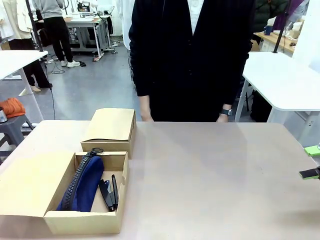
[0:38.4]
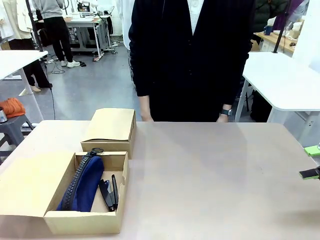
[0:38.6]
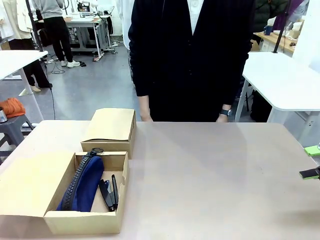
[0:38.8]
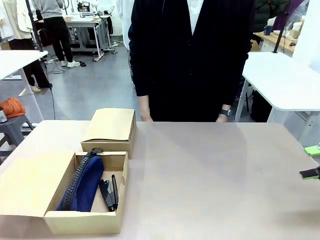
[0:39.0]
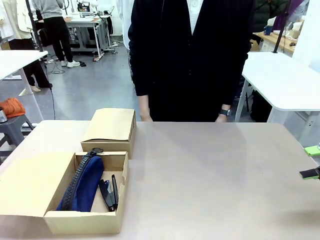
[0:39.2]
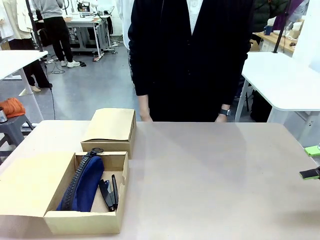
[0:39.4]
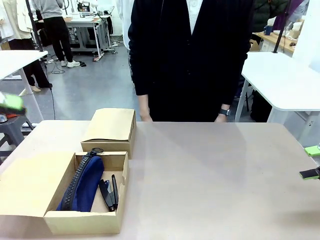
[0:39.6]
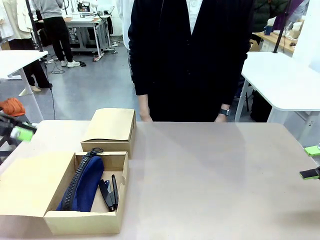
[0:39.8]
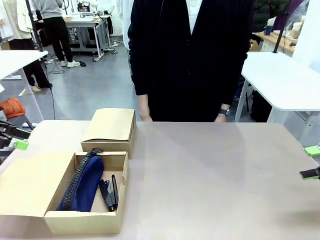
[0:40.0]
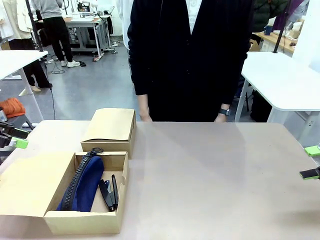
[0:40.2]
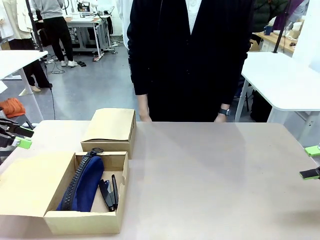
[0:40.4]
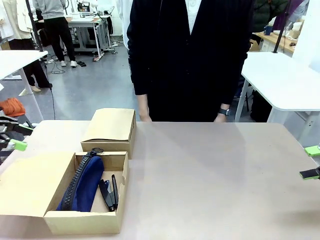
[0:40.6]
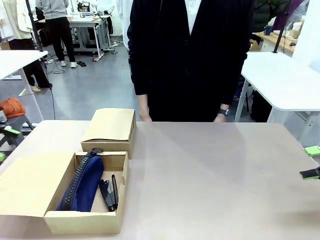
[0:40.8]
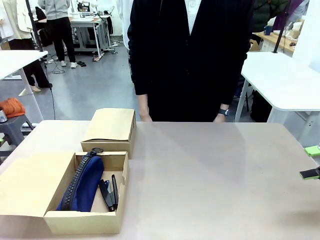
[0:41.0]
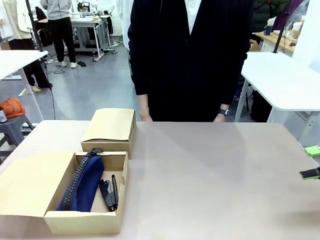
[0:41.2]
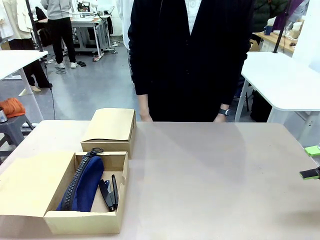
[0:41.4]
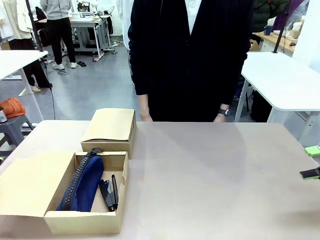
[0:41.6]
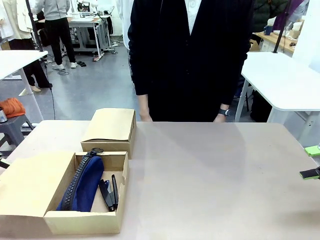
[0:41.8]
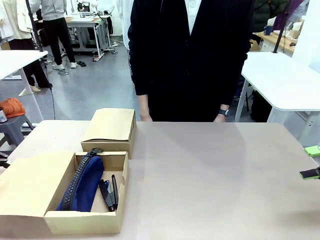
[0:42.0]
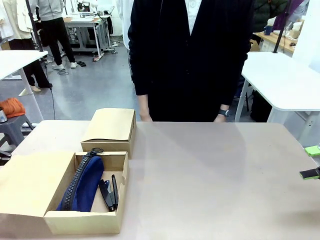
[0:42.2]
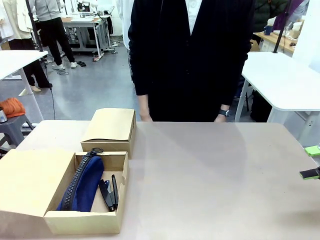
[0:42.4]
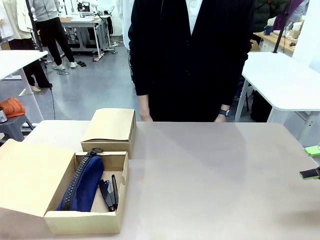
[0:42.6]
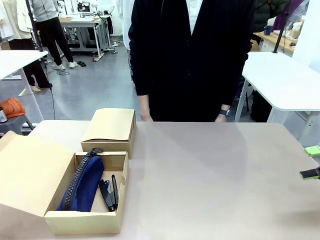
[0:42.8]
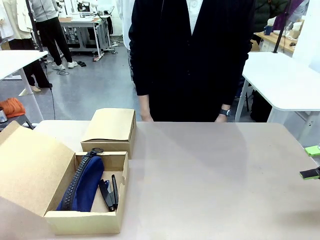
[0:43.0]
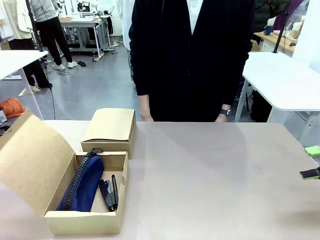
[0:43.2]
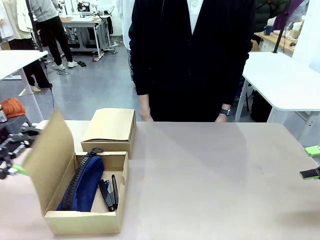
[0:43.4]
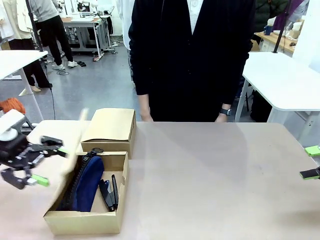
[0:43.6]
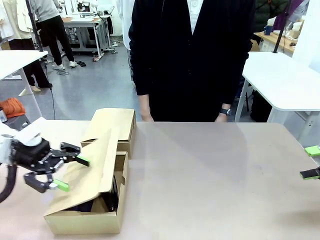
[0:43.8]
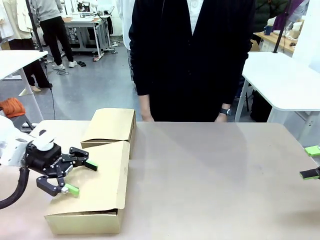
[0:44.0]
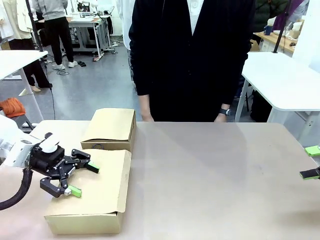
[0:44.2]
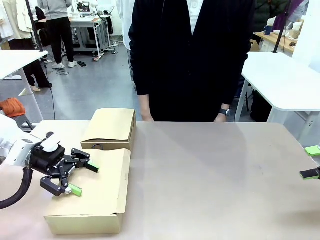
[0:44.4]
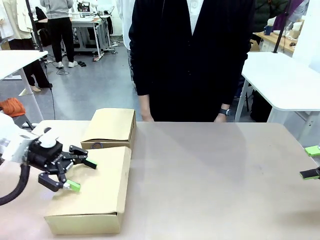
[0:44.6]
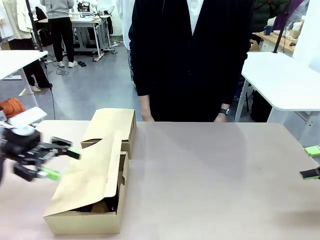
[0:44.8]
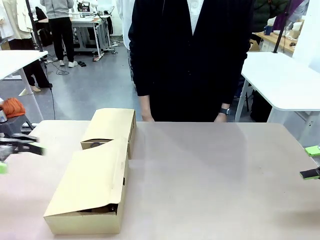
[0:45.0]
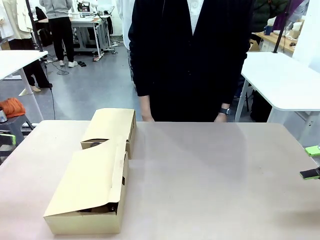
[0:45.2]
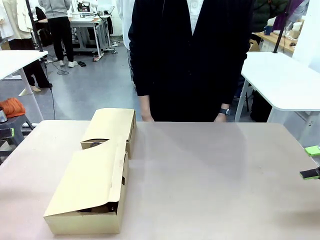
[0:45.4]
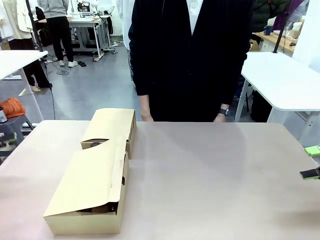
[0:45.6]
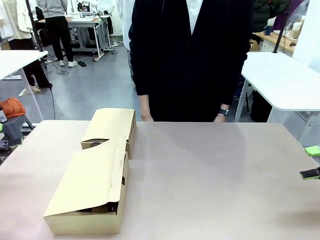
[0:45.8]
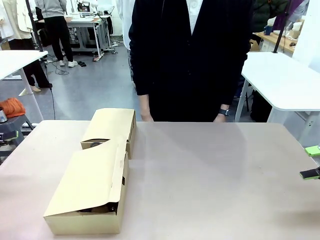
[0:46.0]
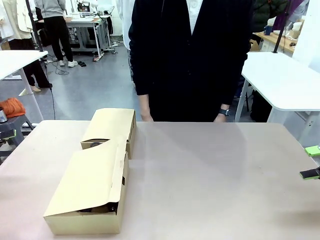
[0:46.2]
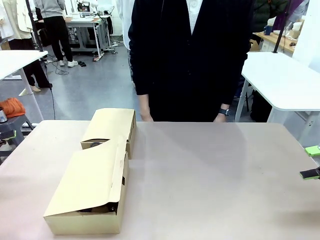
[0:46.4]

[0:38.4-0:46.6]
Task: Place items inside the box.
Robot: Close the lid of the Mailer Box closest to the robot.

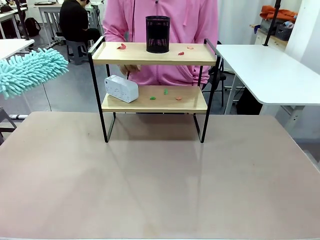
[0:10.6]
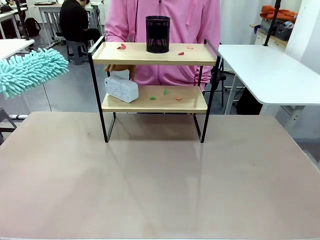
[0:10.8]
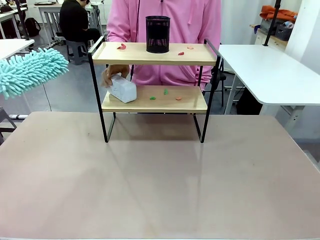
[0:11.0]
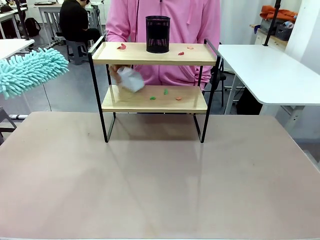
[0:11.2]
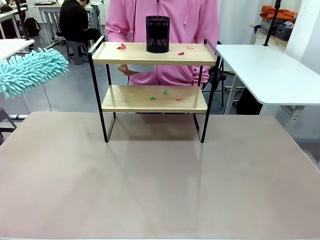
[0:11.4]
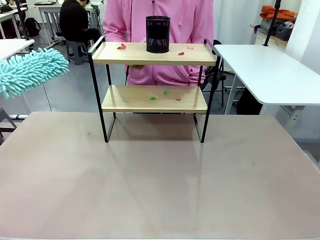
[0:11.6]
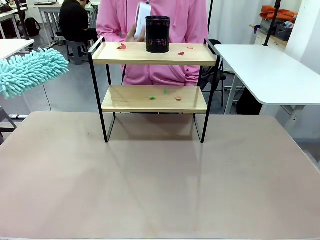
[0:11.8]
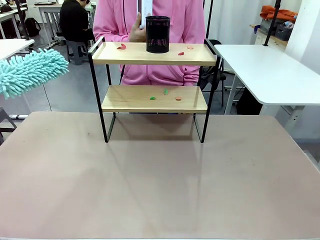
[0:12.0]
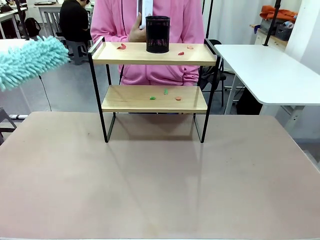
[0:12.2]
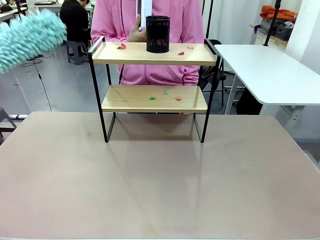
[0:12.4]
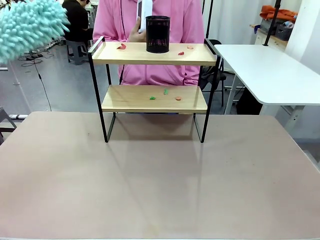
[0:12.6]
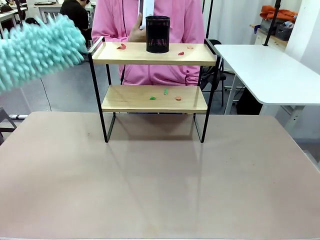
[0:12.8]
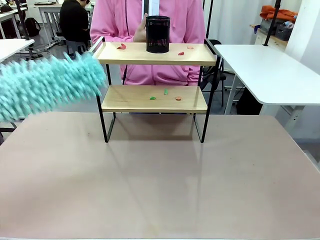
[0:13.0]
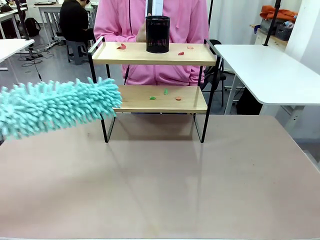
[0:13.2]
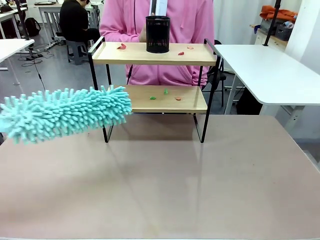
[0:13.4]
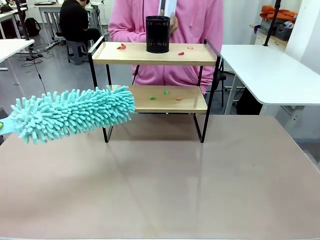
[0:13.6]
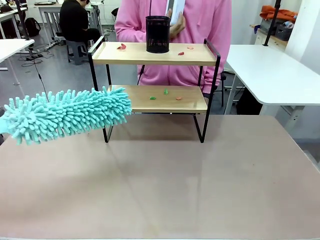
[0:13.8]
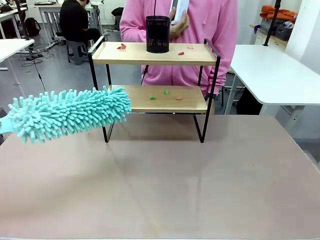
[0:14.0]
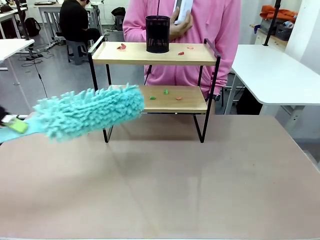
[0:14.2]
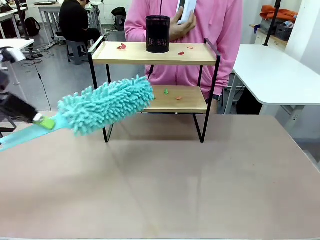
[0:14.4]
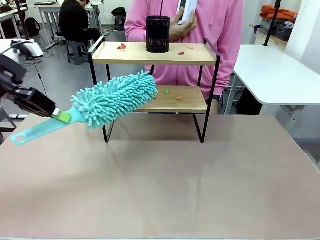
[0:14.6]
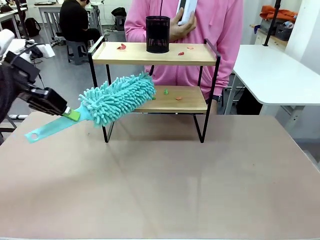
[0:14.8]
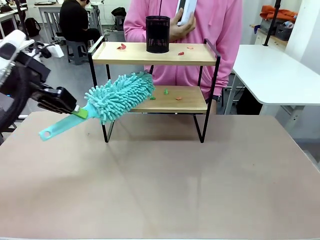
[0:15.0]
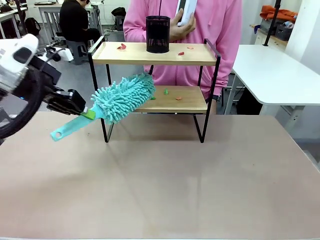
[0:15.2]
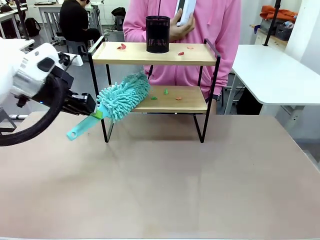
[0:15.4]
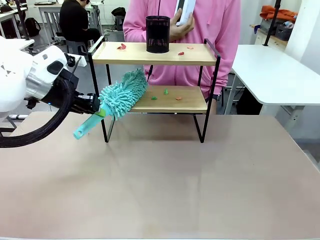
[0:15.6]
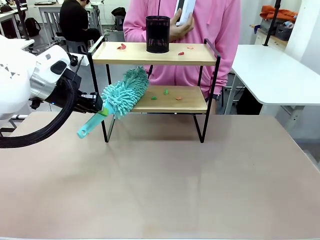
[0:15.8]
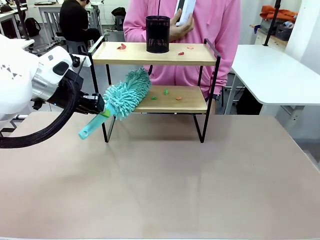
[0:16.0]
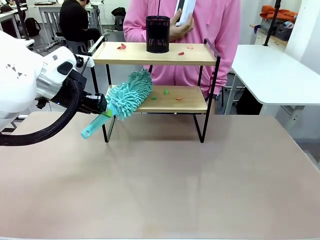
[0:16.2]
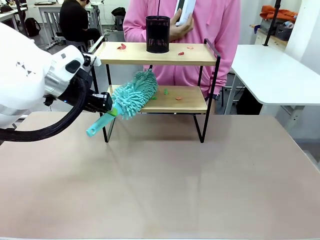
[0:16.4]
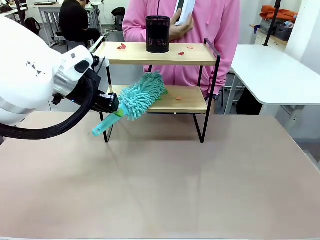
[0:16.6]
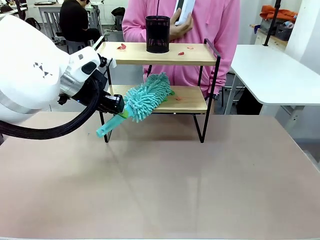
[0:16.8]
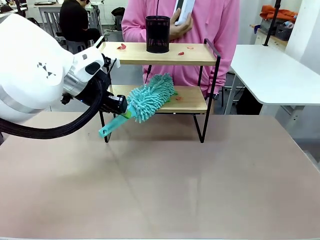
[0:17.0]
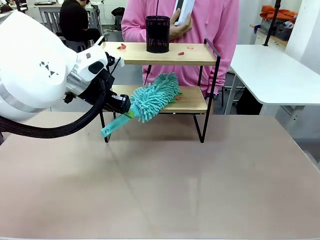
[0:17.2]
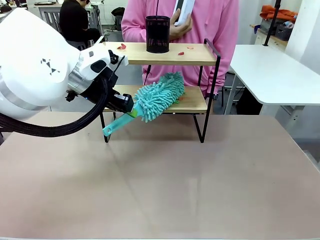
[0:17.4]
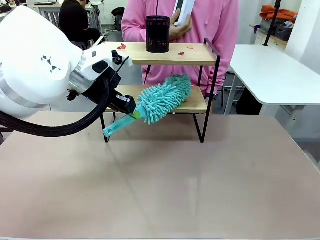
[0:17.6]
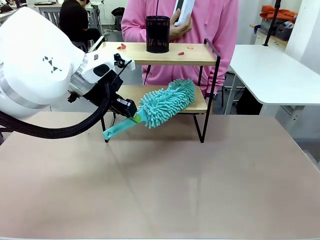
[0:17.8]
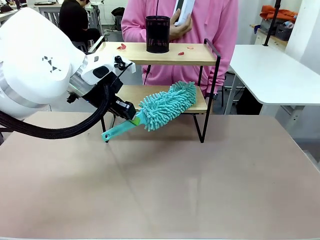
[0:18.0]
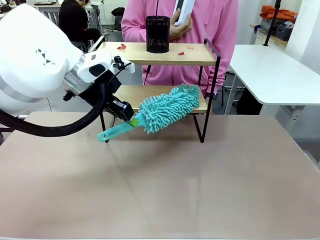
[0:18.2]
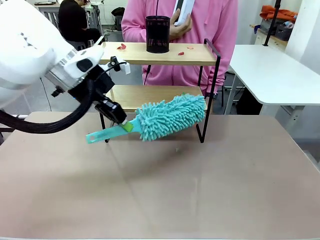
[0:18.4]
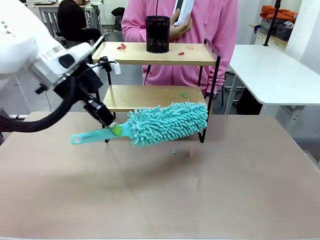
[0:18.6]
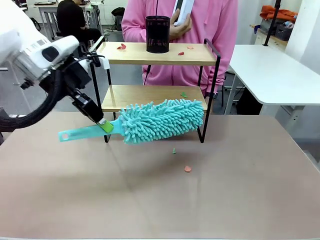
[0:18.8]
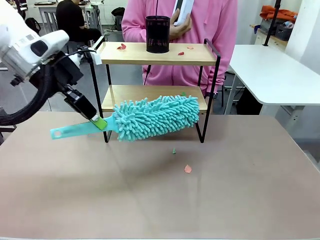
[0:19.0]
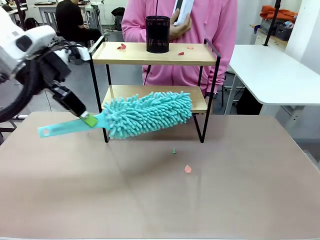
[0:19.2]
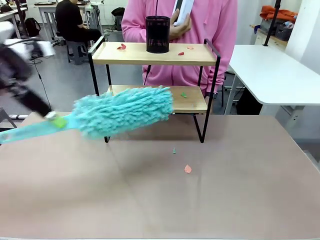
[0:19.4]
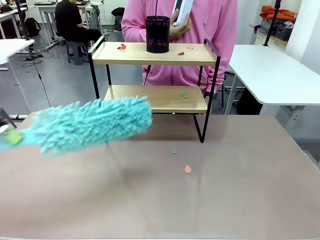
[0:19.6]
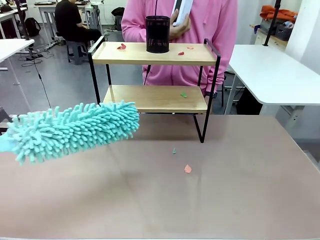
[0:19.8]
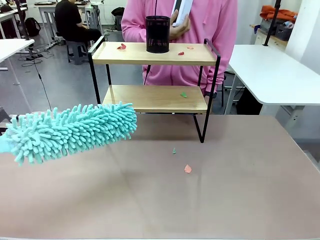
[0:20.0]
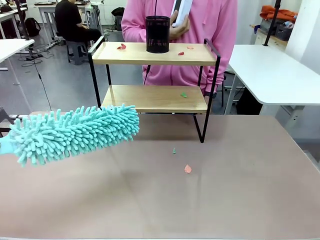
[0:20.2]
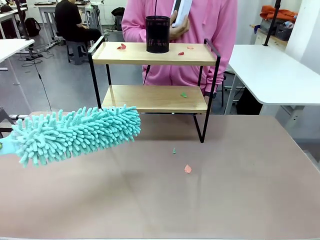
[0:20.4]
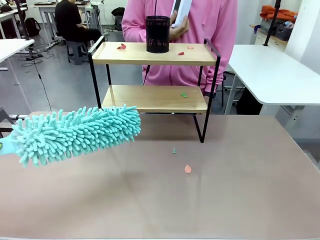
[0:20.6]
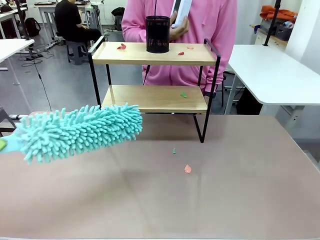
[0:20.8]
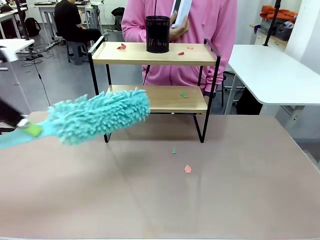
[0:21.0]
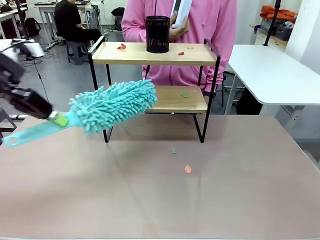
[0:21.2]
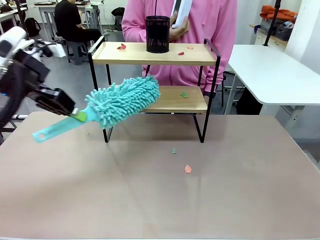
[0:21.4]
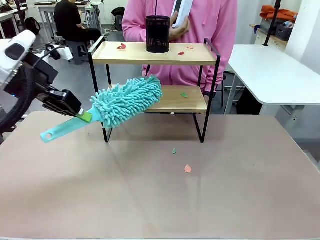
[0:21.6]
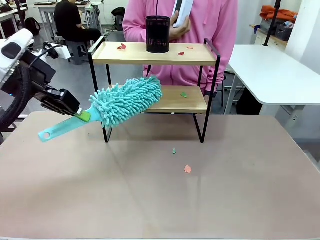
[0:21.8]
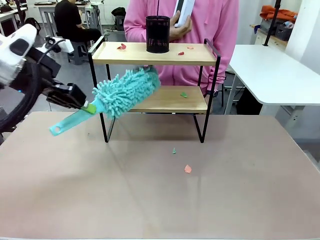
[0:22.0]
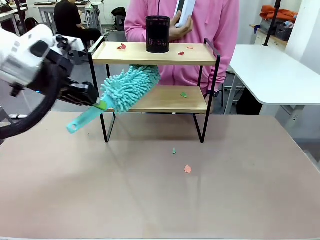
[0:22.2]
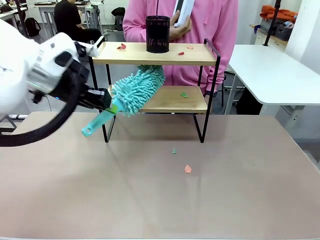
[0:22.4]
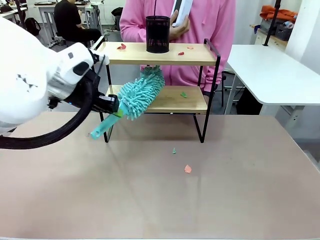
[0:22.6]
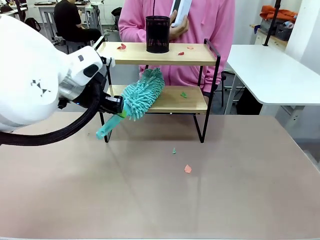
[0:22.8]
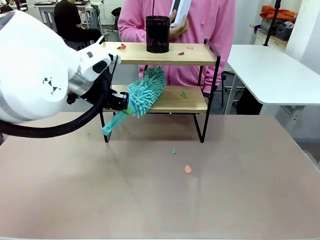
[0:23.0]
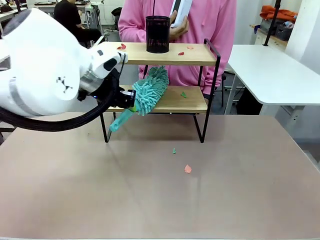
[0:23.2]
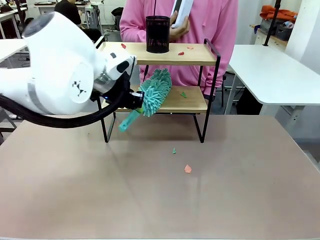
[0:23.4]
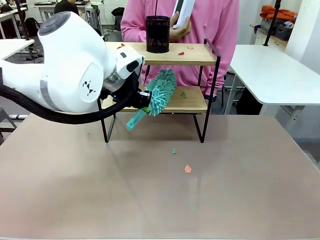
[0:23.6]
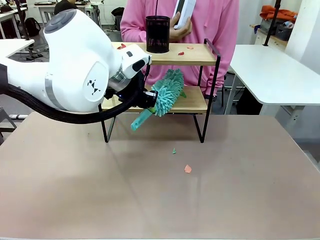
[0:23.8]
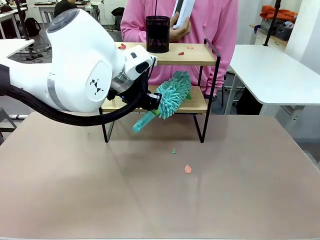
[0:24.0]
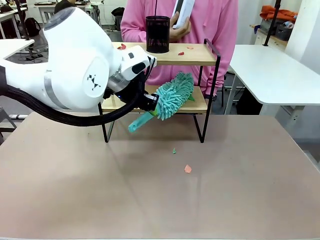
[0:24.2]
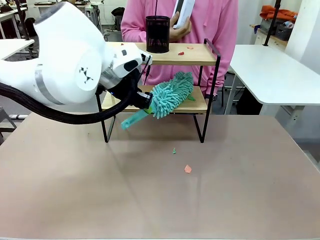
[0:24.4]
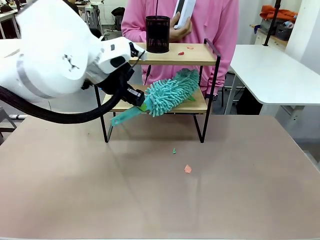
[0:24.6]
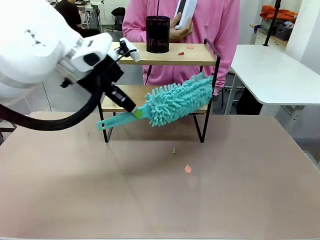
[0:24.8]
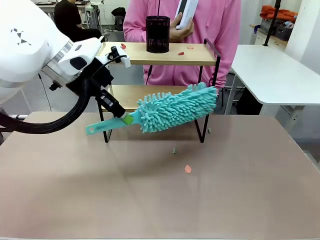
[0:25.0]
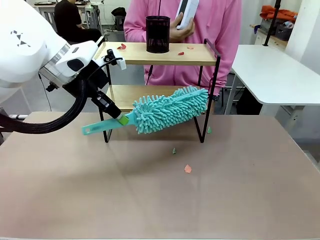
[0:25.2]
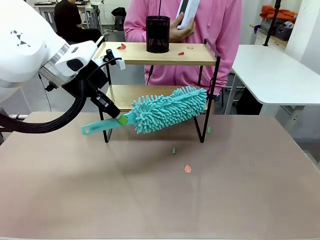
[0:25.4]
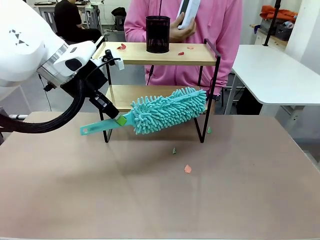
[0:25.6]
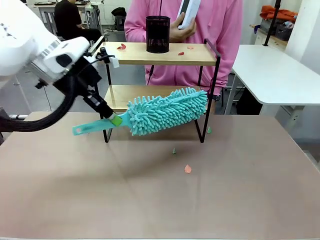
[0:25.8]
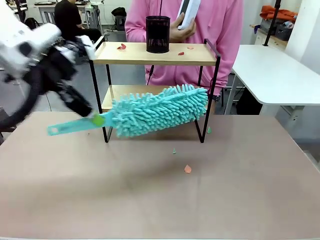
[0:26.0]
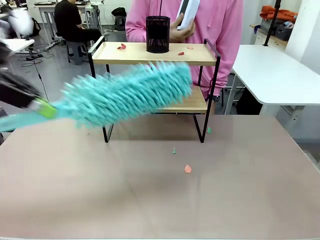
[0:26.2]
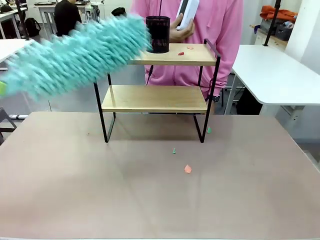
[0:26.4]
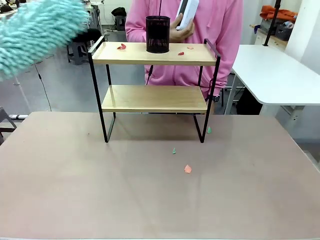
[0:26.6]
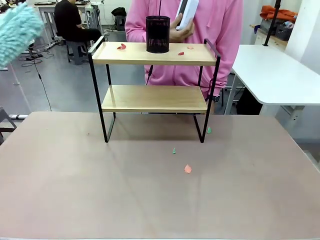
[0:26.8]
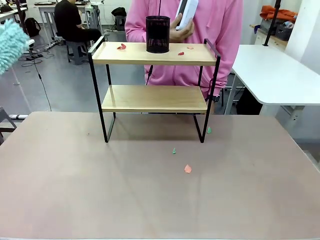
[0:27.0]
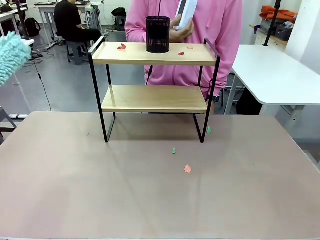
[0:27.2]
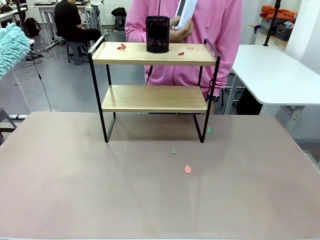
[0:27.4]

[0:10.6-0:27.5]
Task: Clean the shelf.
Robot: Clean the specific tier of the Shelf with the Duster once objects are removed.
Person: Lift the objects on a randomly selected tier of the Shelf. Once the robot finishes cleaning, lift the objects on the remaining tiers of the Shelf.
